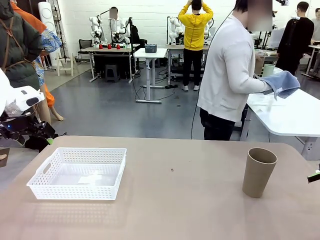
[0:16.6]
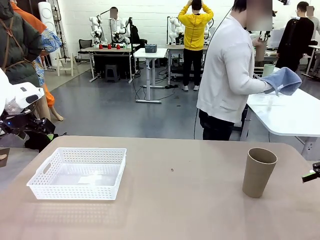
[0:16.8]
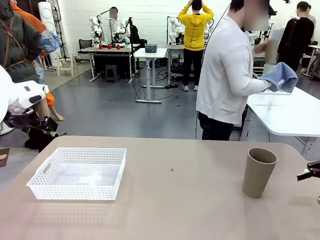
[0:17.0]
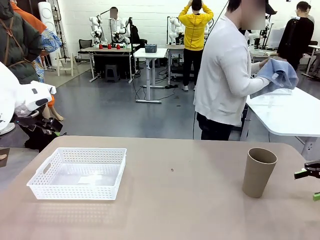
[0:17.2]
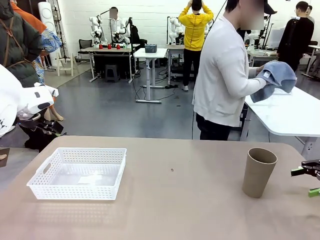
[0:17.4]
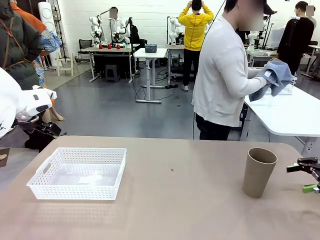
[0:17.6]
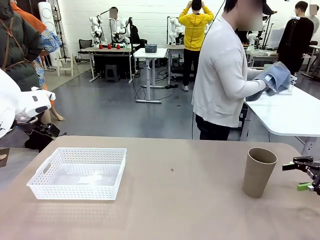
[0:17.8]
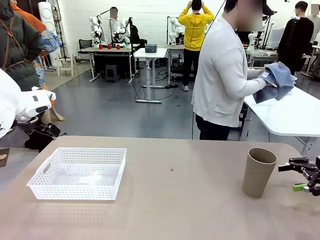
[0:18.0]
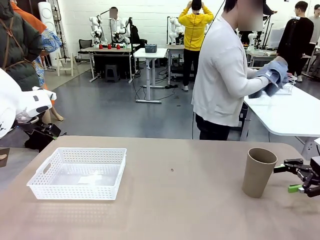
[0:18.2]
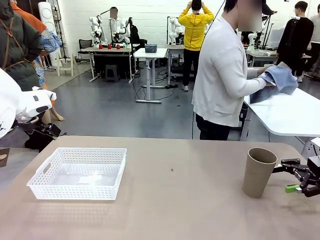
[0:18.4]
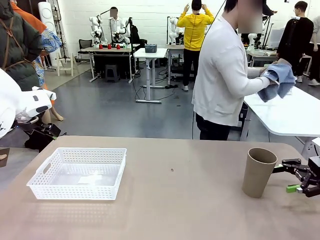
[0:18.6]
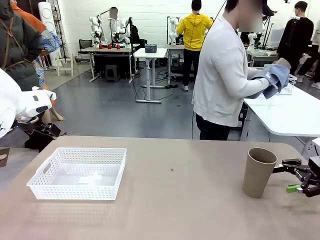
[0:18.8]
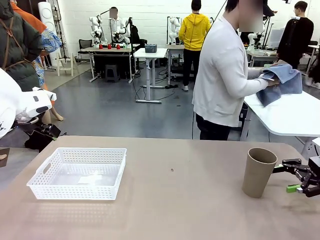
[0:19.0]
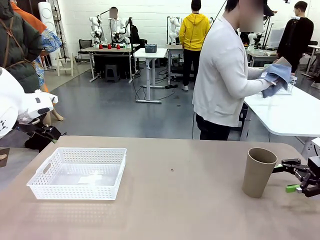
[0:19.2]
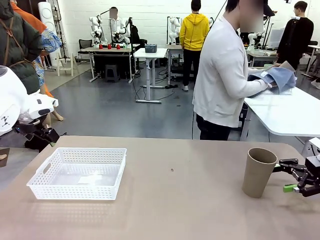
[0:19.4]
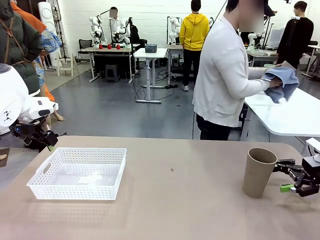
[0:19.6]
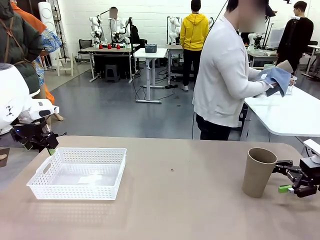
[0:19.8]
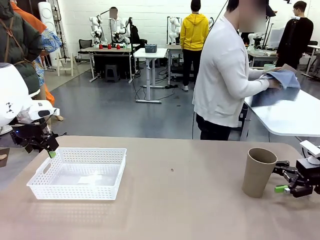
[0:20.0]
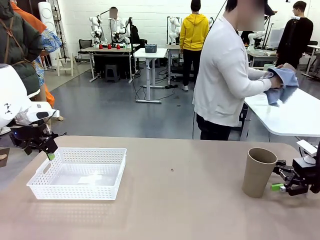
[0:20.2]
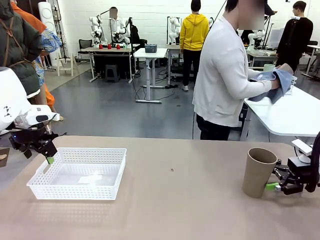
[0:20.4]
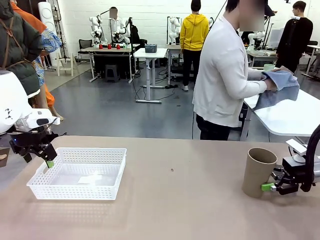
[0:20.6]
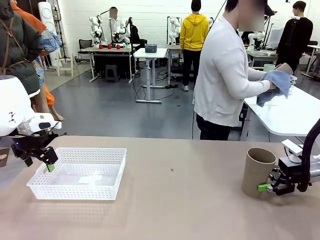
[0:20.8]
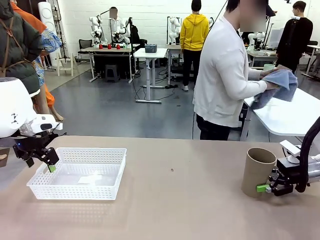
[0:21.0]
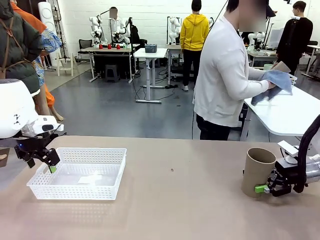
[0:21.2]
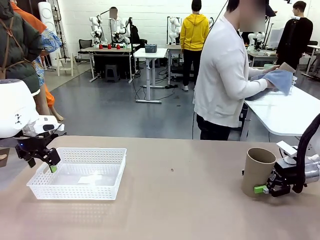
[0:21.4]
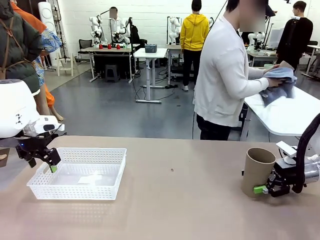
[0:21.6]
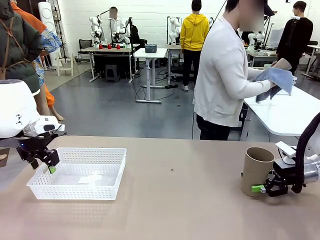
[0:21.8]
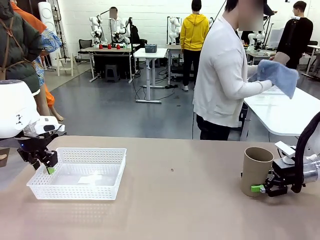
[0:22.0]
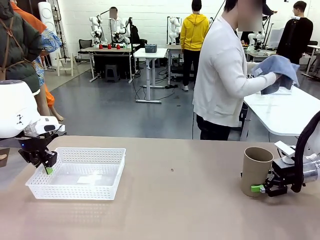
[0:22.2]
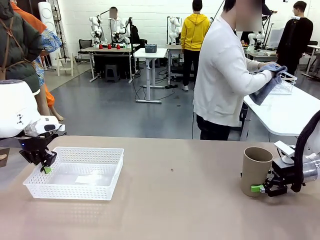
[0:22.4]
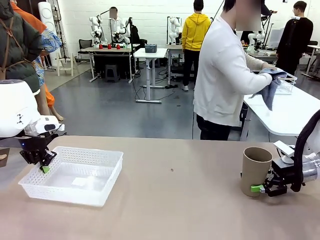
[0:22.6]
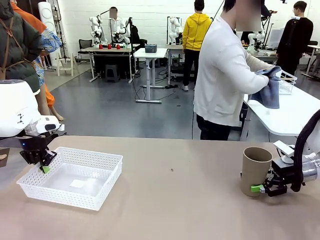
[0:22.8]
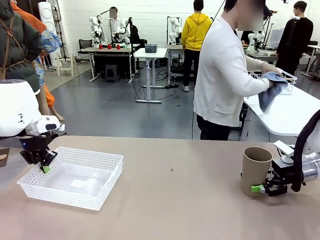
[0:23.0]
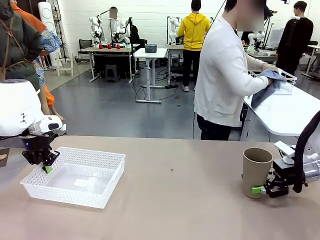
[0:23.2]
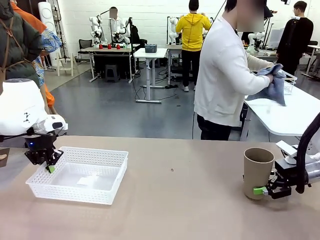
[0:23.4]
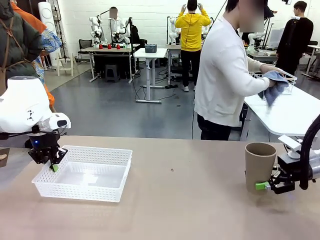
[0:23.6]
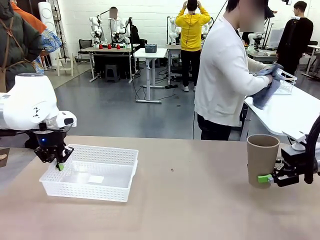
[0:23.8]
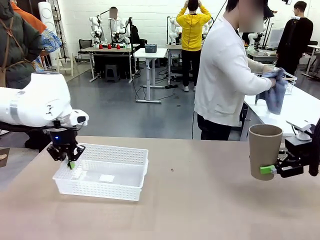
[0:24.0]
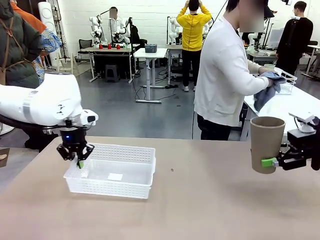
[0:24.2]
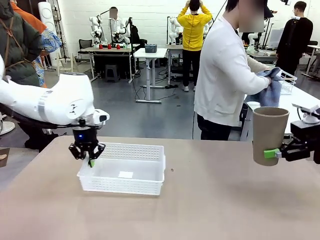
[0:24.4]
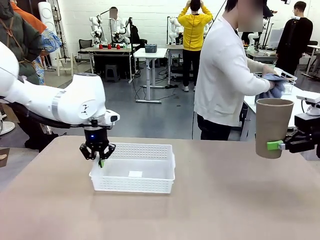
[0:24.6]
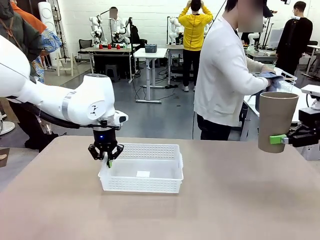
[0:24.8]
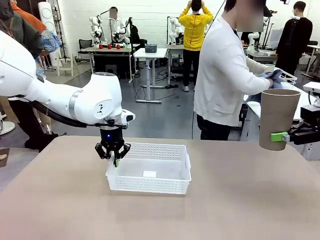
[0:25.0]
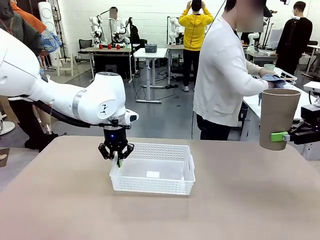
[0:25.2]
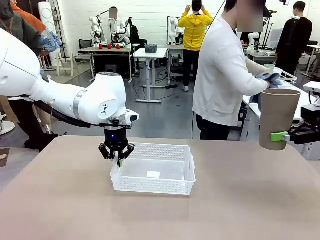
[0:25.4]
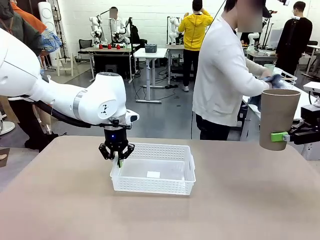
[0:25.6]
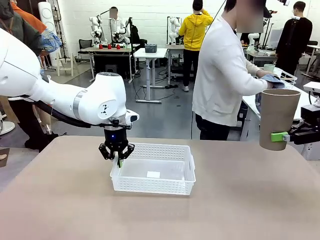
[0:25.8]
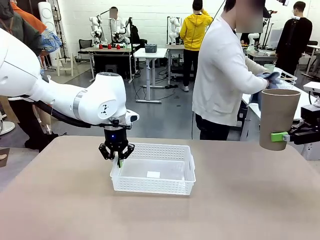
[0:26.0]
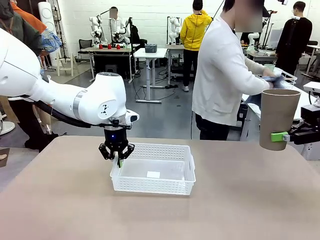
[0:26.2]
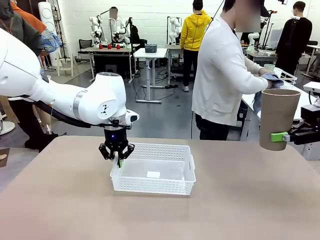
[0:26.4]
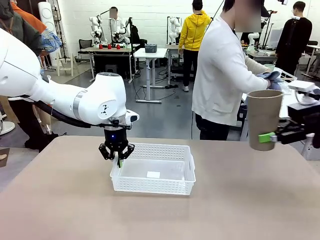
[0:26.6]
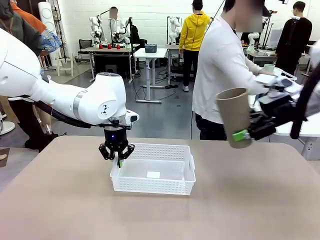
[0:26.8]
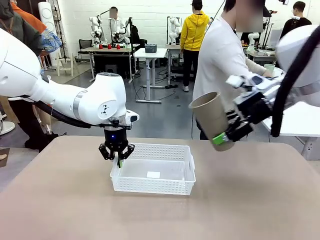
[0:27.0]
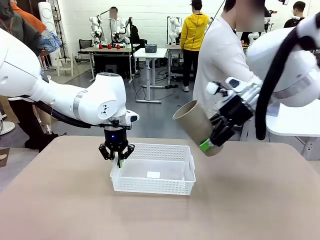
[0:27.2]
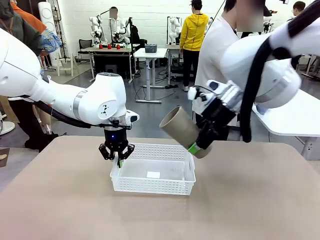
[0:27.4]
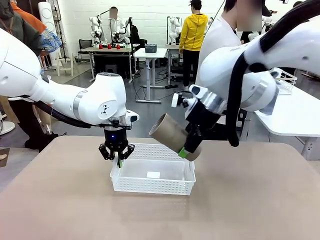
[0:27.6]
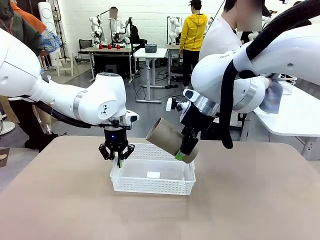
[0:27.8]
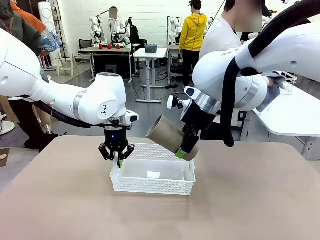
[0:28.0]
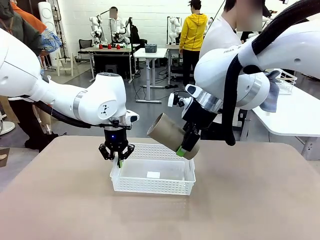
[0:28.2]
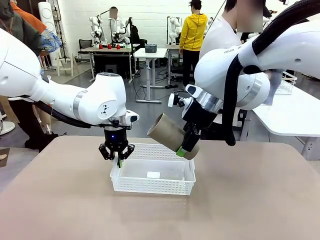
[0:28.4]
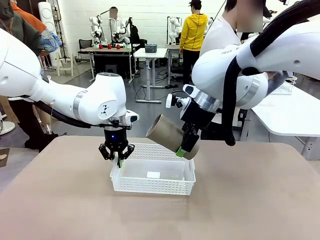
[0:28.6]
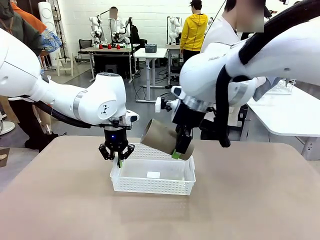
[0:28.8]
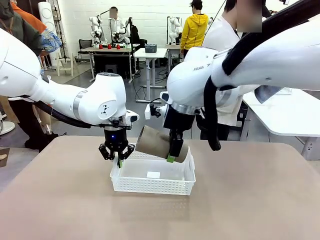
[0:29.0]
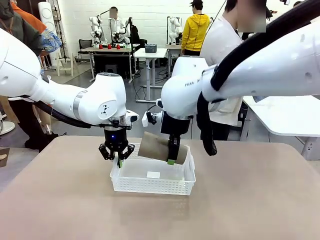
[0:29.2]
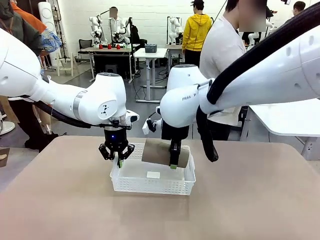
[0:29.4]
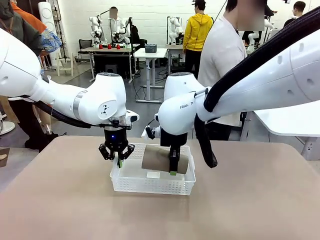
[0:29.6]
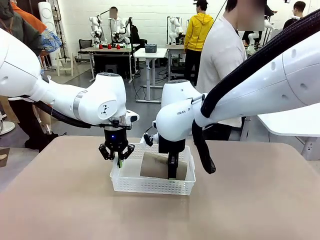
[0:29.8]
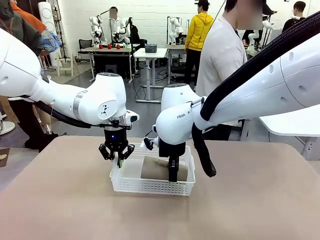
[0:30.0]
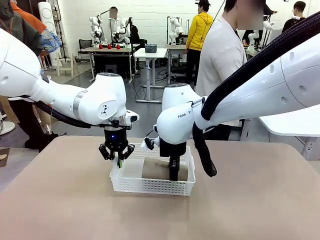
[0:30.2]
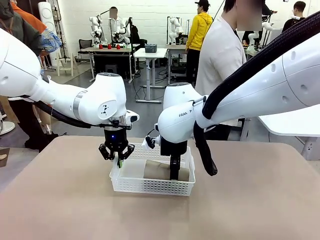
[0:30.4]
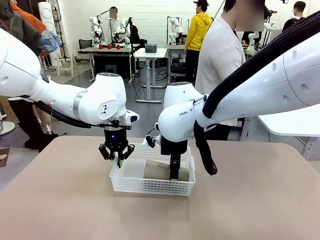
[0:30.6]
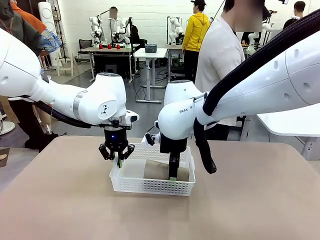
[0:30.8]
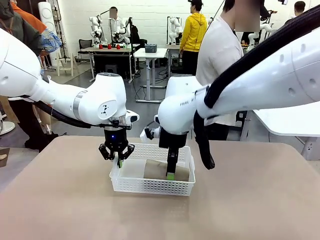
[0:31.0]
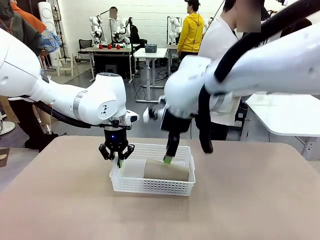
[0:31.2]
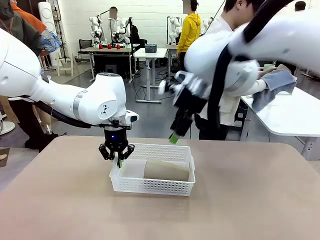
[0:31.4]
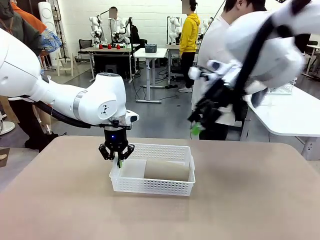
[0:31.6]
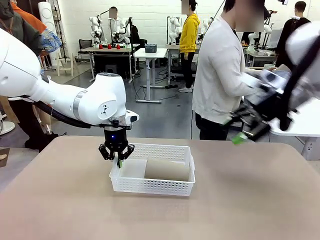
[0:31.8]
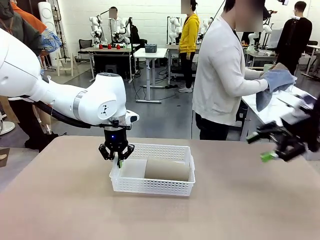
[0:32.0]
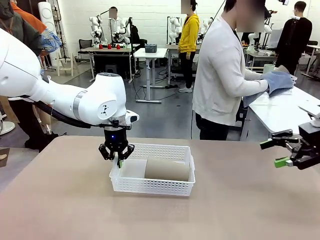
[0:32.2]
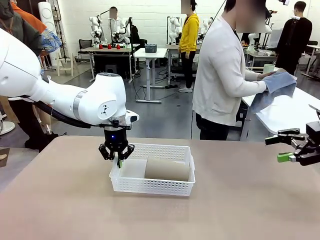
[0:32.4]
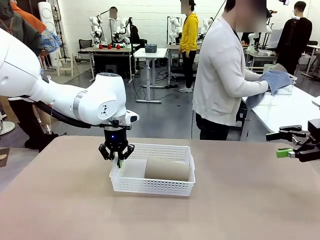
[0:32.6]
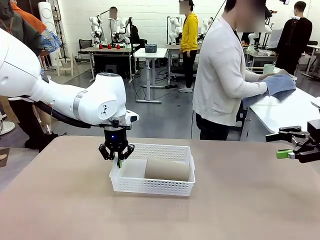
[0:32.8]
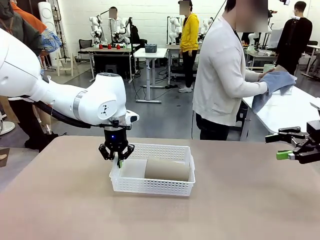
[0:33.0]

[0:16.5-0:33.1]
Task: Clean and organize the cups into the basket.
Robot: Pick up the Organizing basket and move it to the center of the table, then pick up the Reusable plastic cup from the right side of the table and place it inside the Organizing basket.
